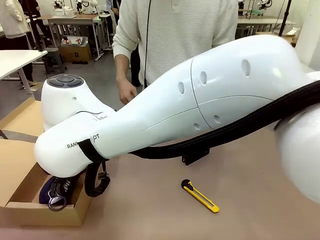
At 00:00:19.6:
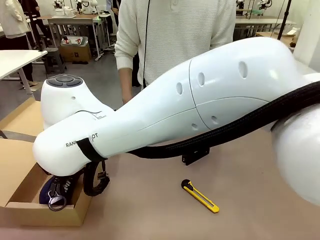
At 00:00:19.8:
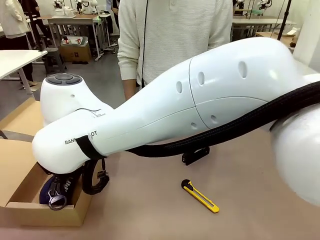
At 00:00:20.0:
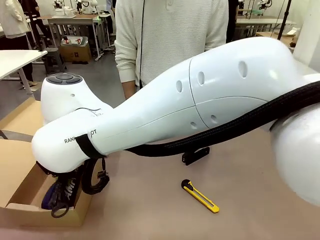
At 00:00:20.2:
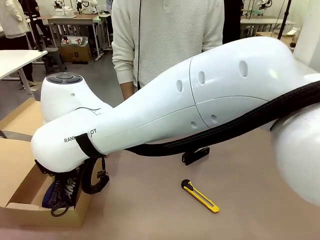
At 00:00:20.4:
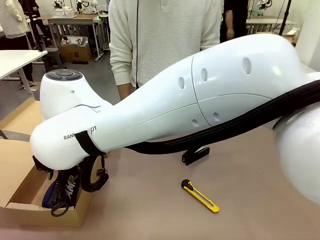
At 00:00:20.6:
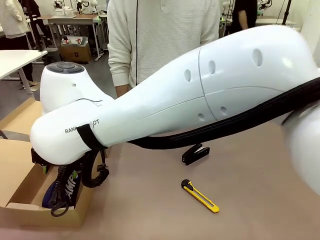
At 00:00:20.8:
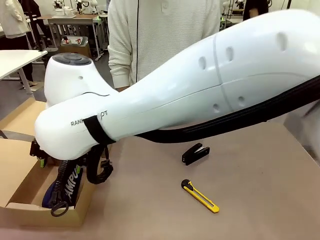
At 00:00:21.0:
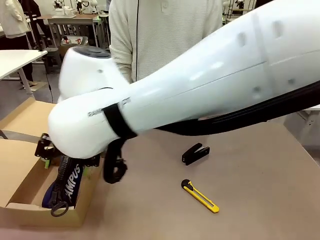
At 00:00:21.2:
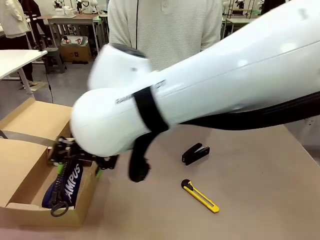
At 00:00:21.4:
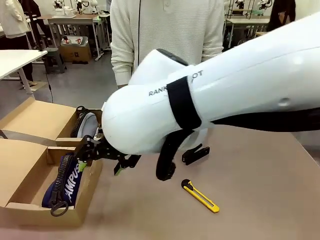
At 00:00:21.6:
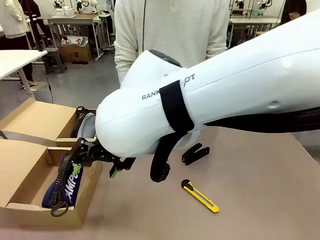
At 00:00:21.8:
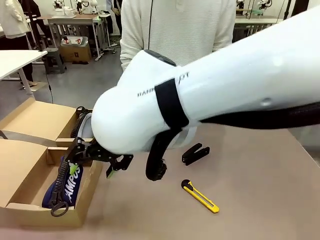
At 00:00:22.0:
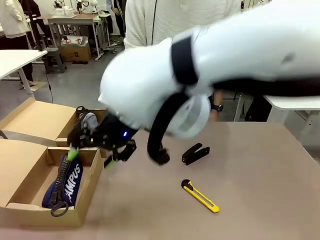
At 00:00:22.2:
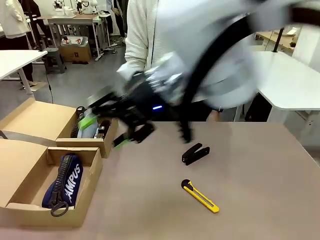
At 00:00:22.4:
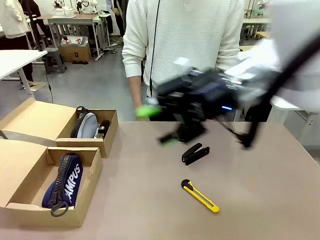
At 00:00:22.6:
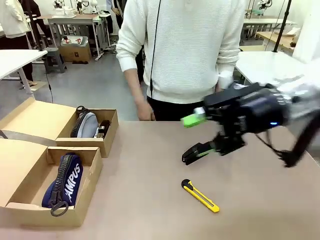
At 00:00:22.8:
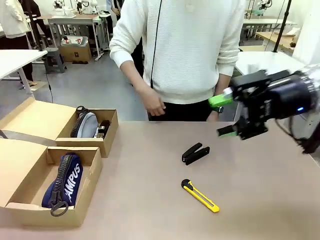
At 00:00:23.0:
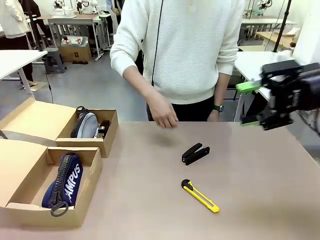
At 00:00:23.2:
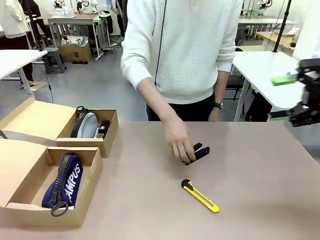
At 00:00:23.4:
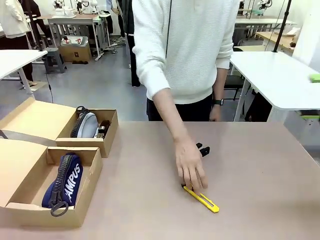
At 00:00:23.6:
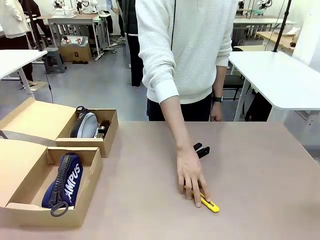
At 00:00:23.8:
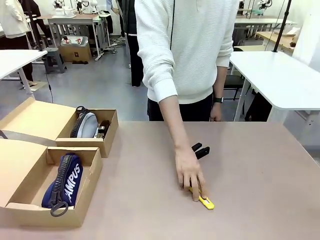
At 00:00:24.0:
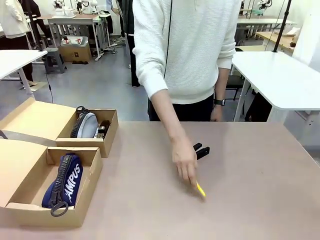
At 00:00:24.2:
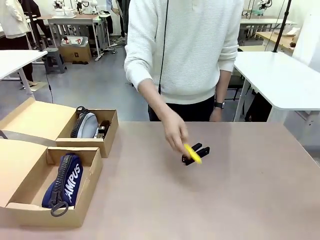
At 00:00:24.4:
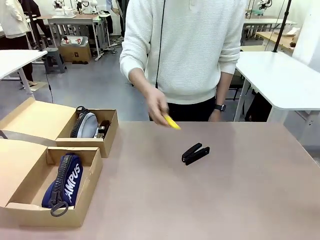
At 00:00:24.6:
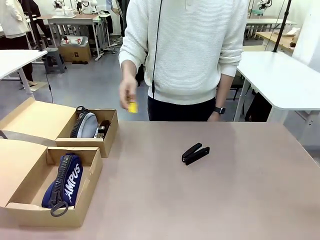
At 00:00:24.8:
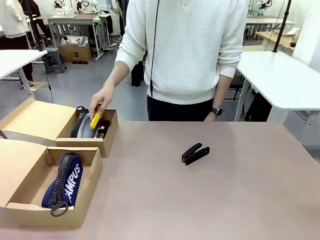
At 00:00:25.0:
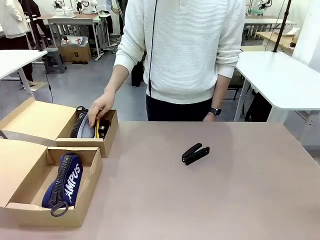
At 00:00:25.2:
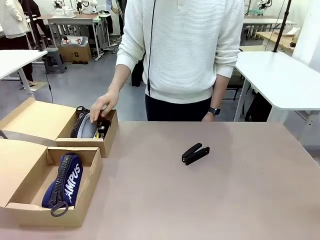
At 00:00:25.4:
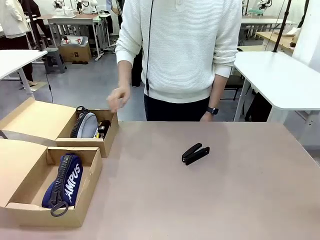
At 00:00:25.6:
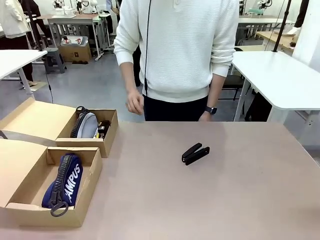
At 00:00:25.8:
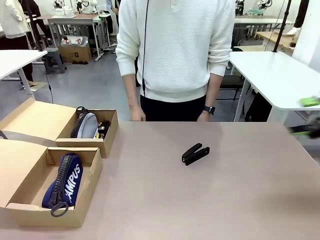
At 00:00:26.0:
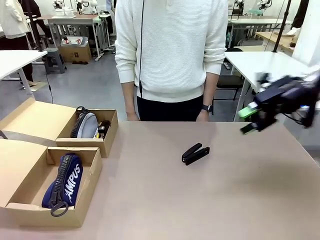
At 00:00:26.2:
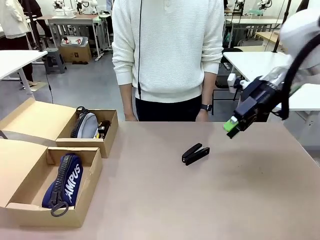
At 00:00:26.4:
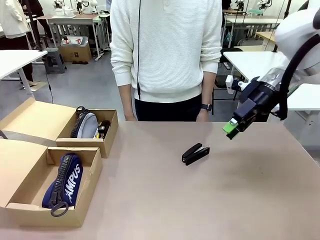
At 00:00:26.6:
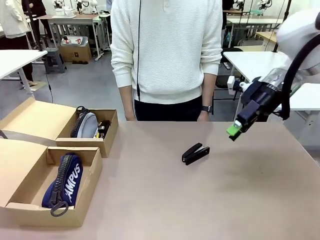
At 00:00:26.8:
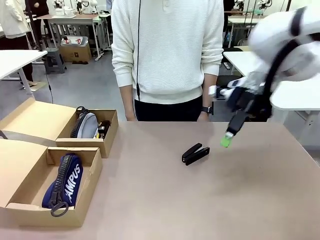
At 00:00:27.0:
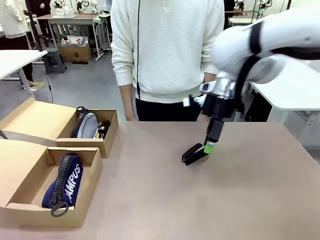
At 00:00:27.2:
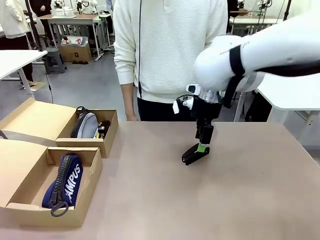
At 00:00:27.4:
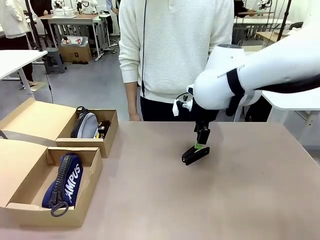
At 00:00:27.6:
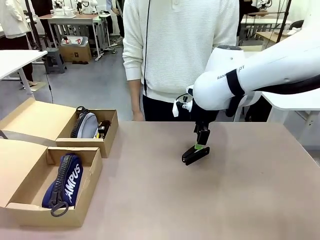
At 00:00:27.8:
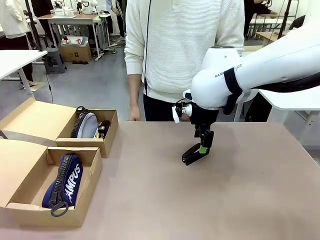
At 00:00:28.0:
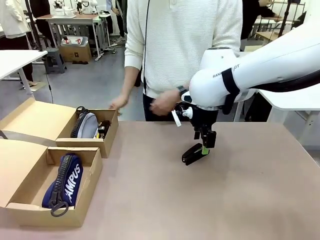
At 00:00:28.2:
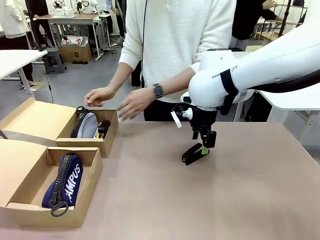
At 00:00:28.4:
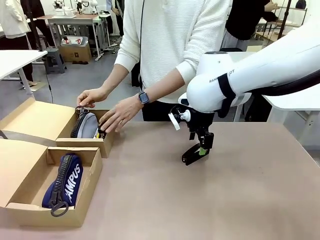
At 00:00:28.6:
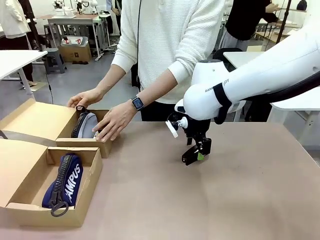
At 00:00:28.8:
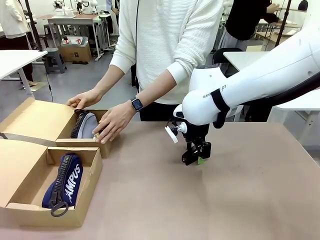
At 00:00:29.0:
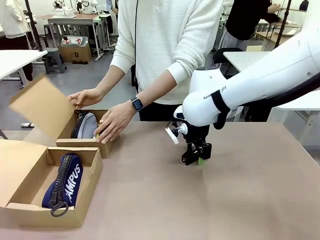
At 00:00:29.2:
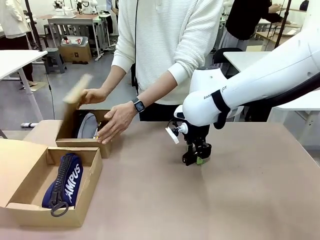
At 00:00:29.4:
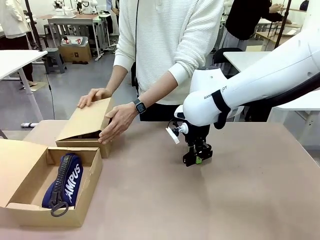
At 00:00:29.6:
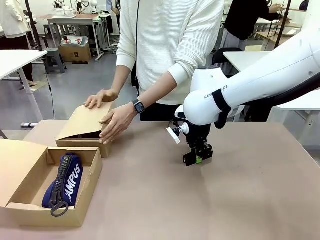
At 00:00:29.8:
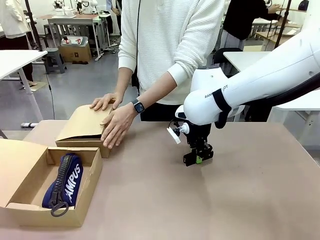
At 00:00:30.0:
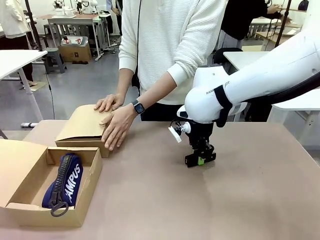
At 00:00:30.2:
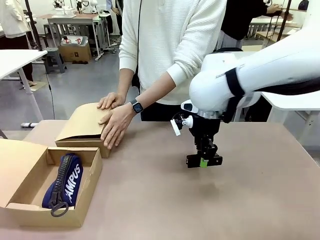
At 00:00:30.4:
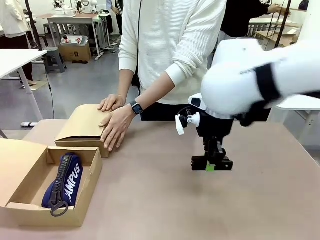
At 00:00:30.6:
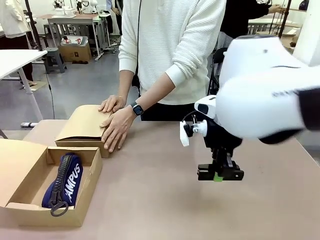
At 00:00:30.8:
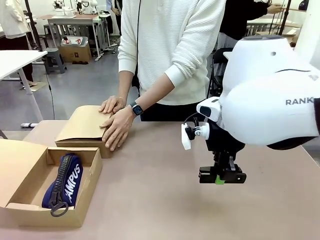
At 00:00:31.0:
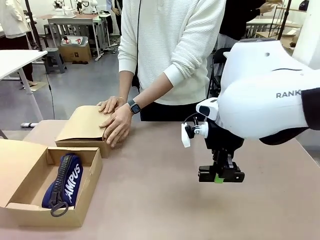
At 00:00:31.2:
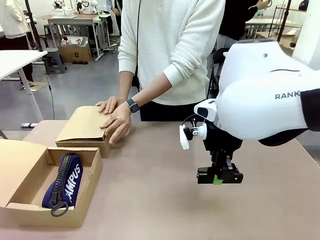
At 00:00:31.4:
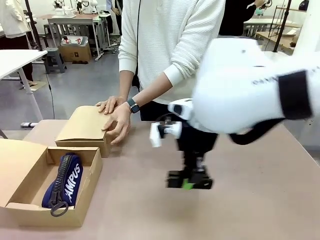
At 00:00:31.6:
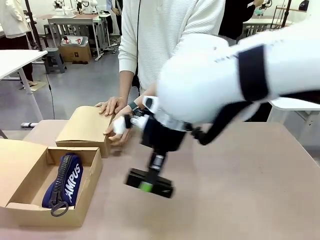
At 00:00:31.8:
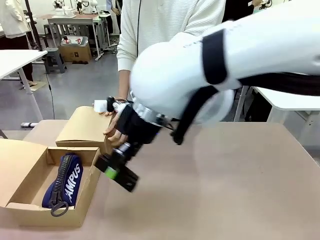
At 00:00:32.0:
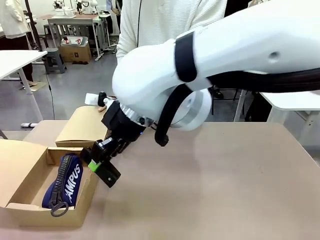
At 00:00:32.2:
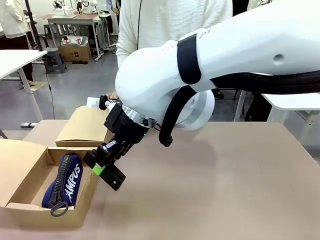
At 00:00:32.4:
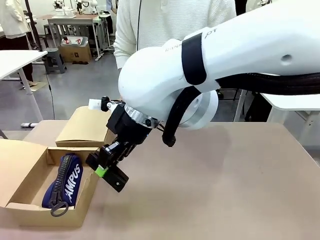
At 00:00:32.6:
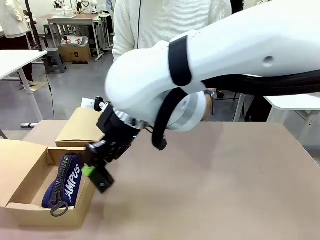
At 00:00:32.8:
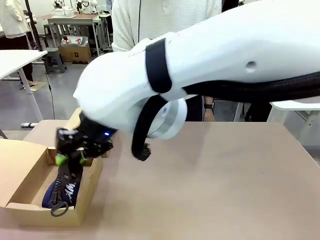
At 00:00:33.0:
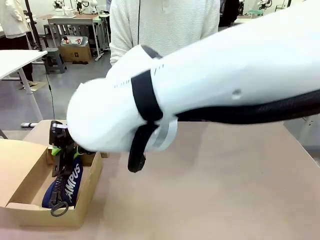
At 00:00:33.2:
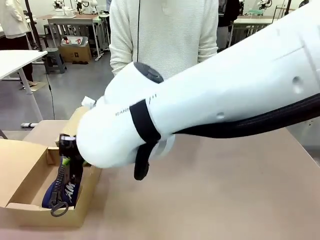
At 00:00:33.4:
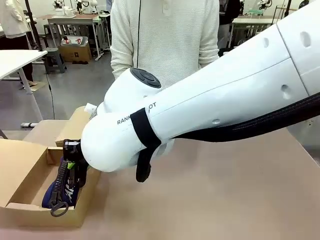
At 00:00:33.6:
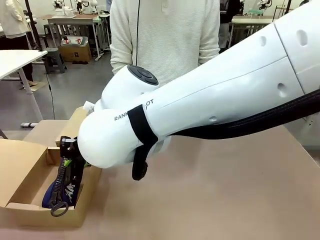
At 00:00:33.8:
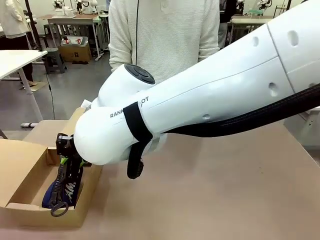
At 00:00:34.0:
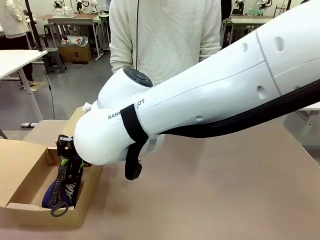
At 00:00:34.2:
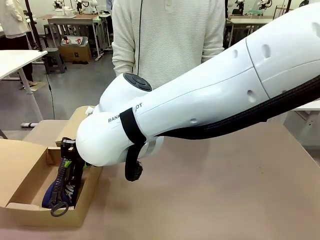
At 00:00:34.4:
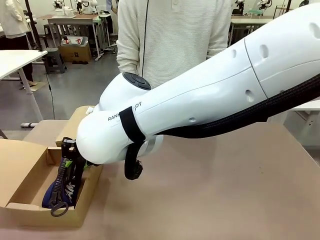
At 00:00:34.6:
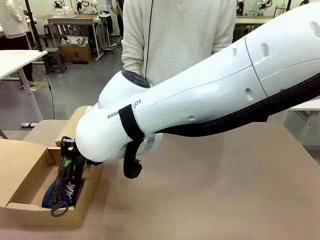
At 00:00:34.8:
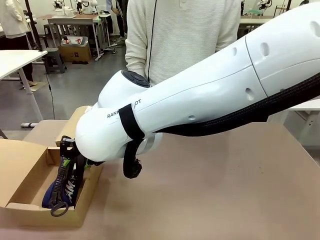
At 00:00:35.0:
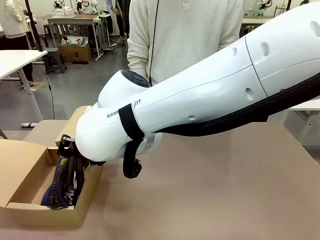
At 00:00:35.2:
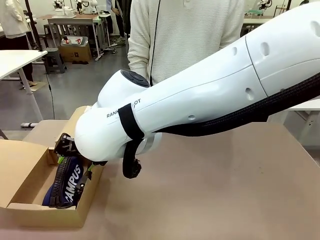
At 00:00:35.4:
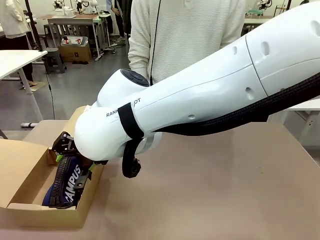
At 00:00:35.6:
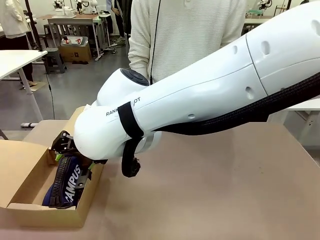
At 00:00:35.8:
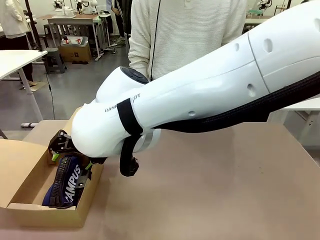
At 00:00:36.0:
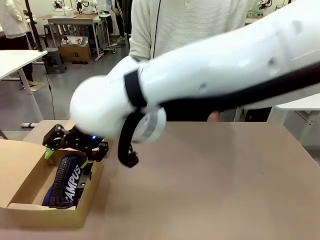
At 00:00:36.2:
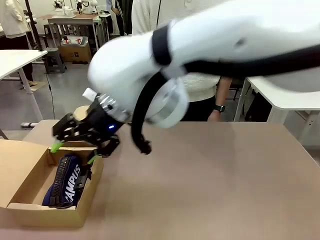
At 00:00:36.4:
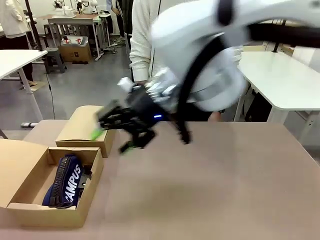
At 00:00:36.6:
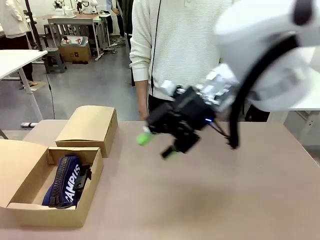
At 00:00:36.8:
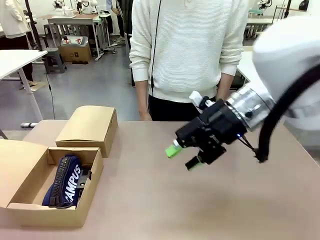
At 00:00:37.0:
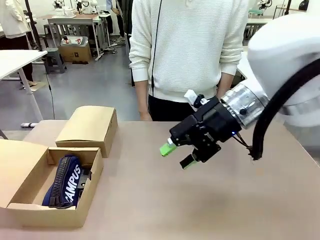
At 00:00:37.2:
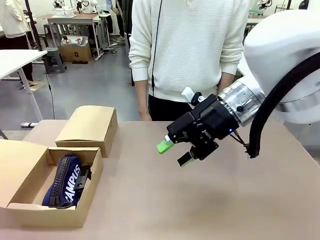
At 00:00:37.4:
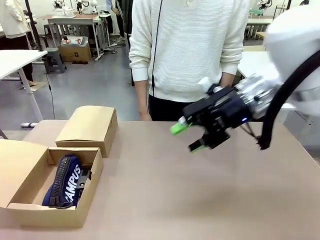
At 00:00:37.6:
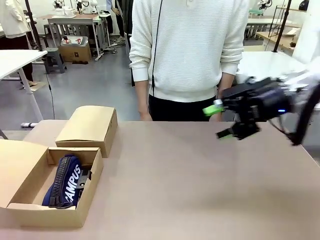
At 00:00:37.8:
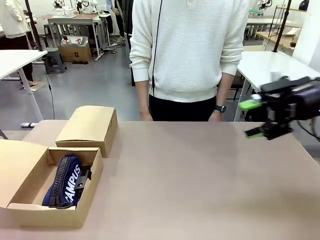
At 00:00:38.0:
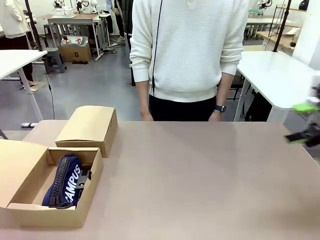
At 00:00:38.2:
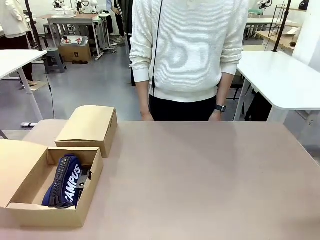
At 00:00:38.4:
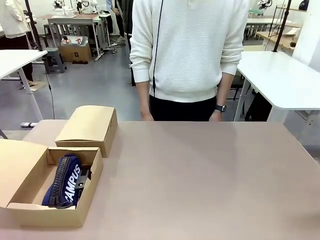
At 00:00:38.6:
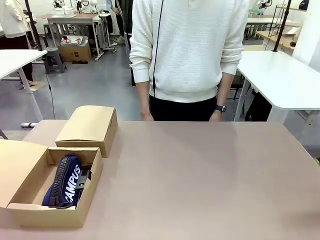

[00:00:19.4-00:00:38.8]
Task: Place items inside the box.
Robot: Pick up a Pencil pouch or Stapler and place it inside the Mailer Box closest to the robot.
Person: Close the lid of the box facing the person.
